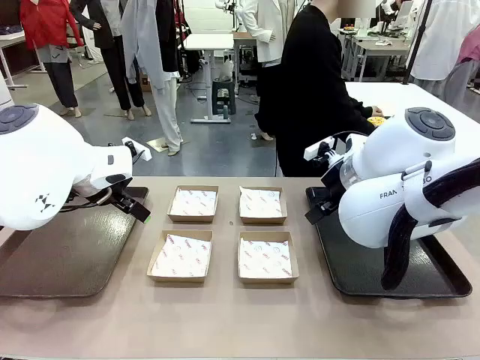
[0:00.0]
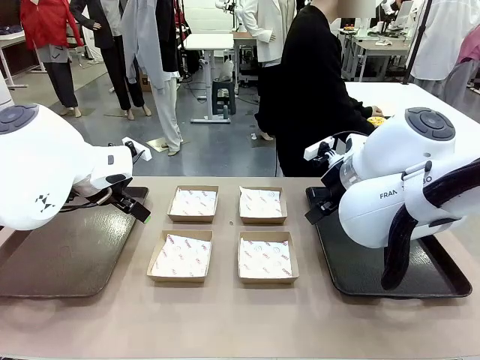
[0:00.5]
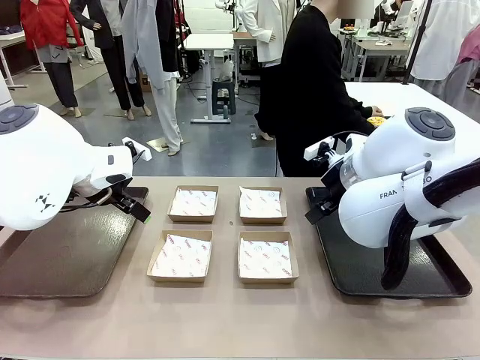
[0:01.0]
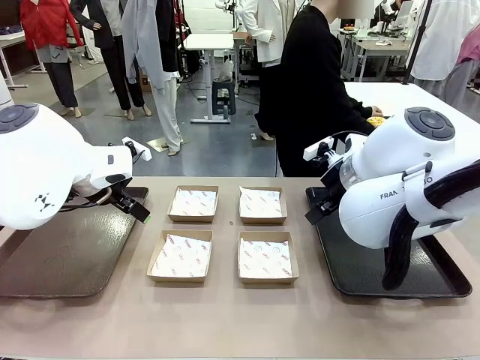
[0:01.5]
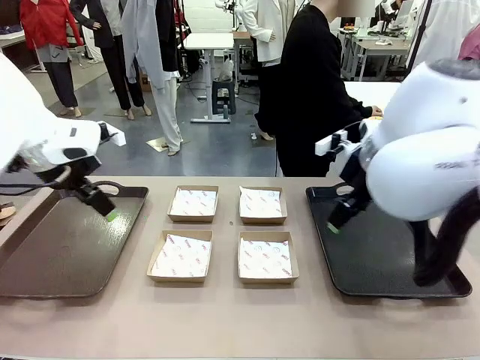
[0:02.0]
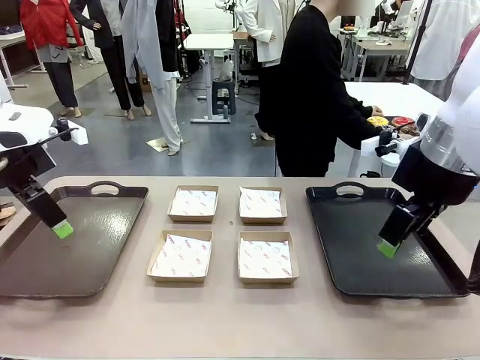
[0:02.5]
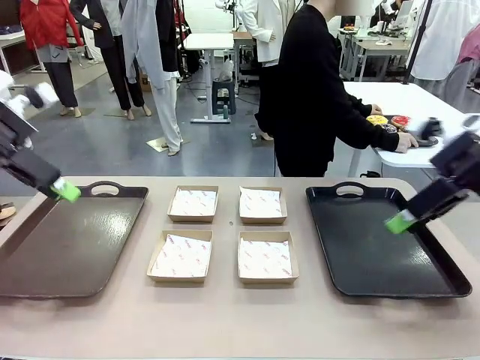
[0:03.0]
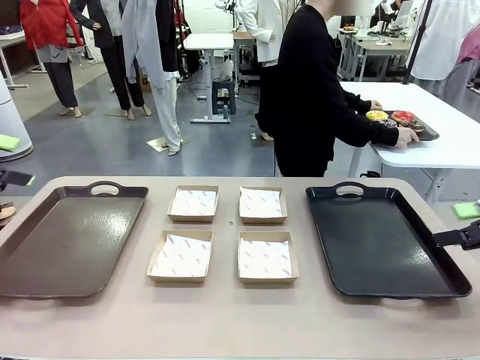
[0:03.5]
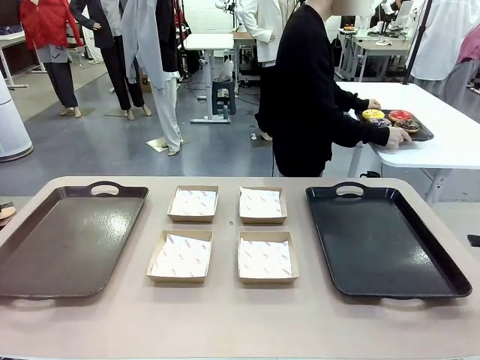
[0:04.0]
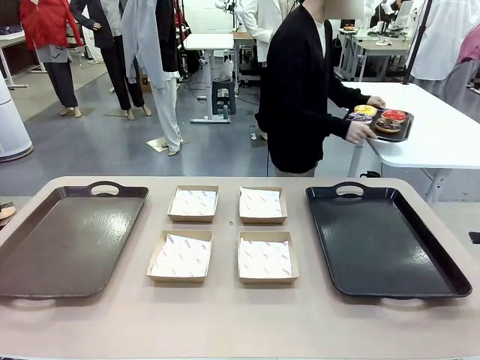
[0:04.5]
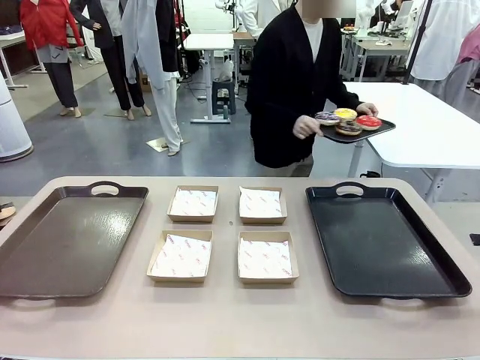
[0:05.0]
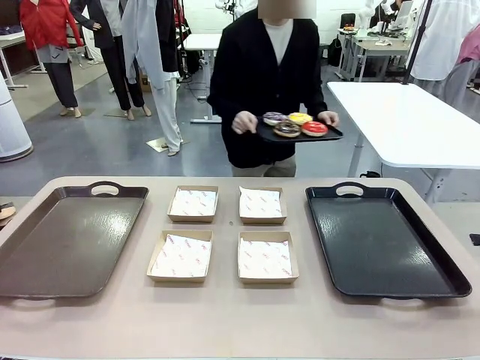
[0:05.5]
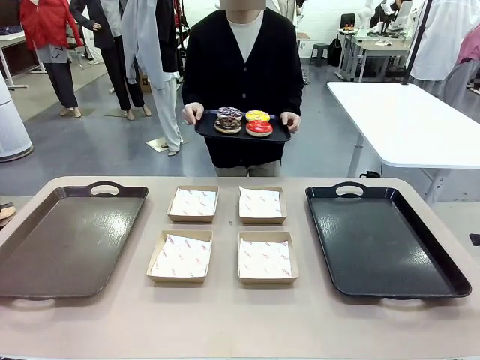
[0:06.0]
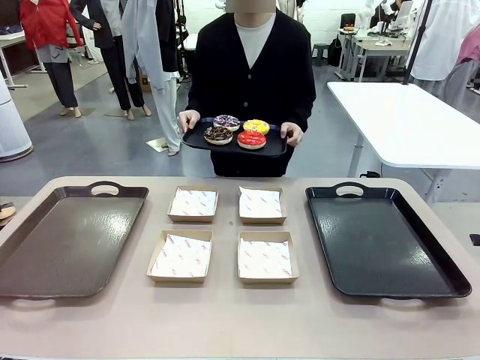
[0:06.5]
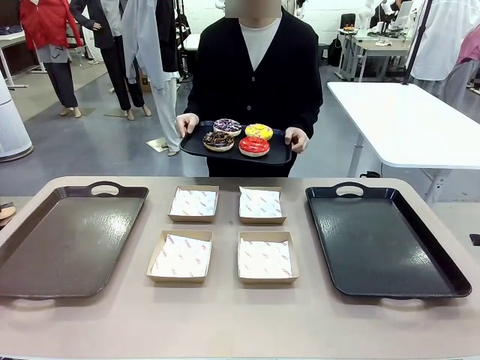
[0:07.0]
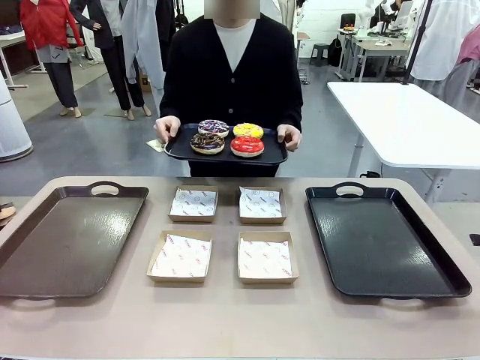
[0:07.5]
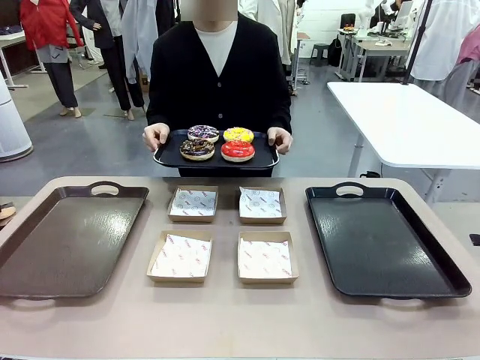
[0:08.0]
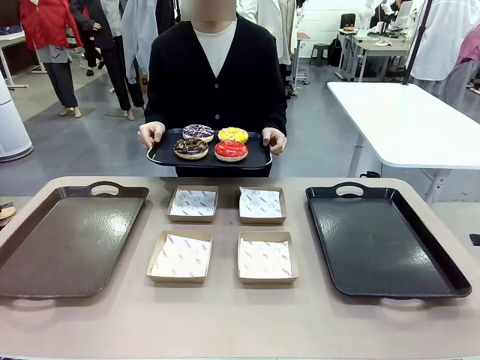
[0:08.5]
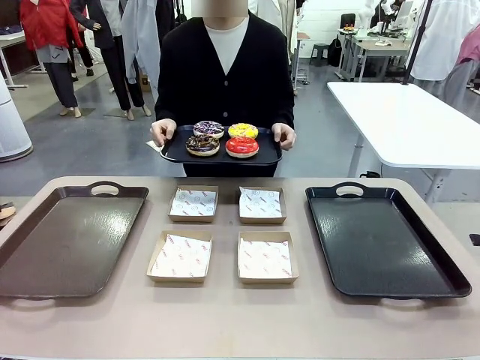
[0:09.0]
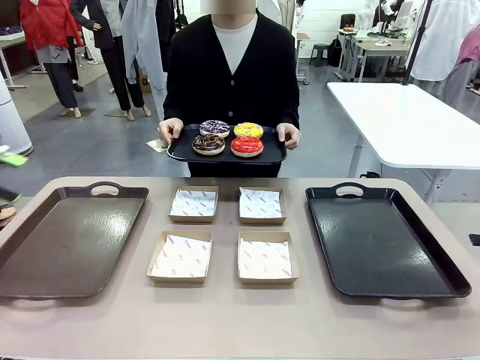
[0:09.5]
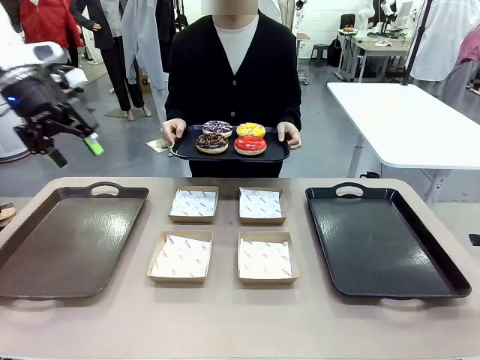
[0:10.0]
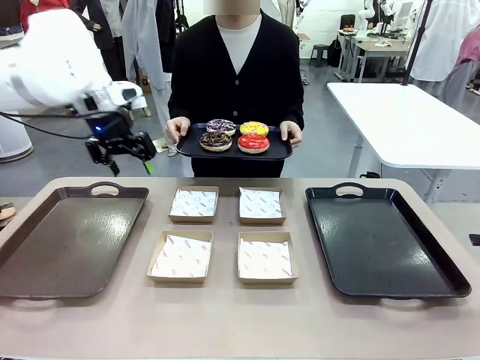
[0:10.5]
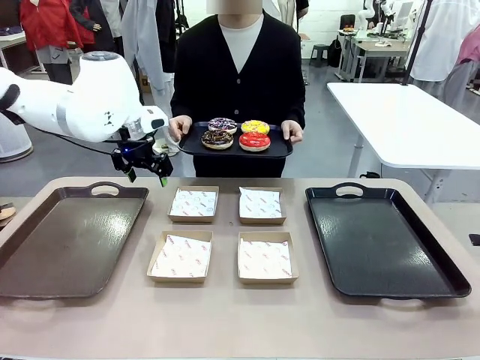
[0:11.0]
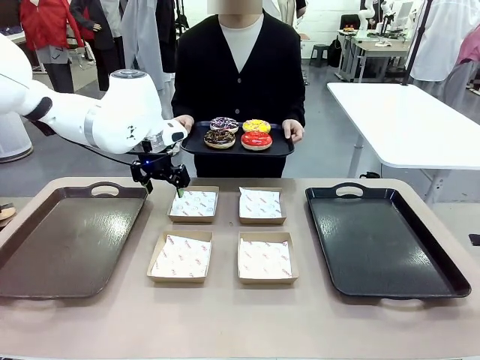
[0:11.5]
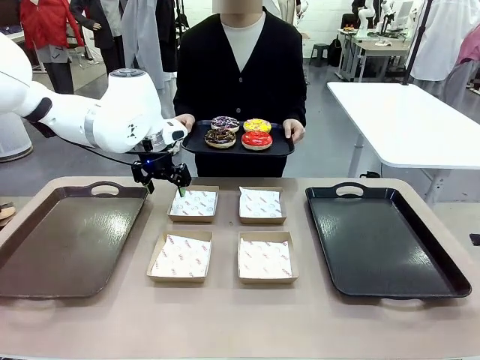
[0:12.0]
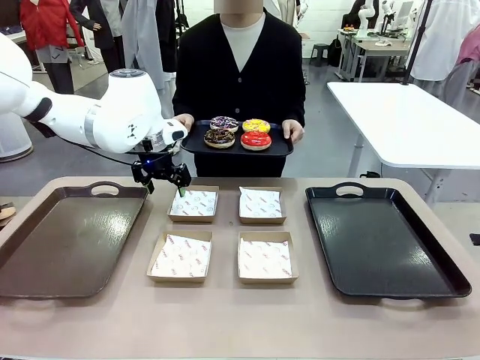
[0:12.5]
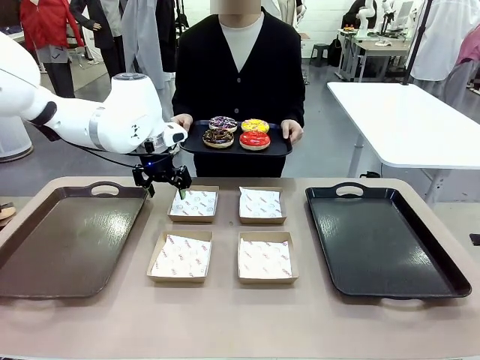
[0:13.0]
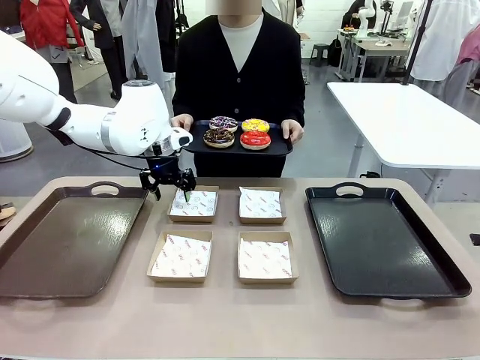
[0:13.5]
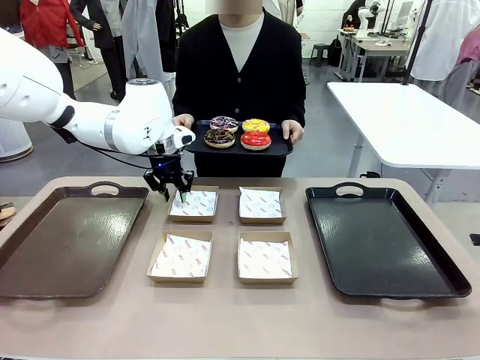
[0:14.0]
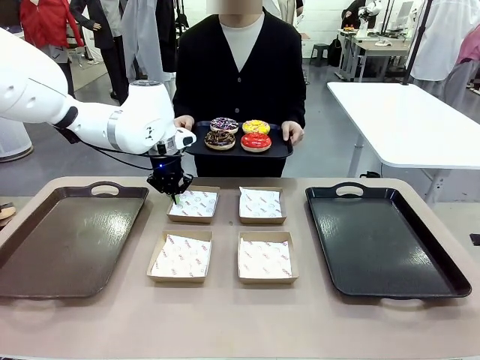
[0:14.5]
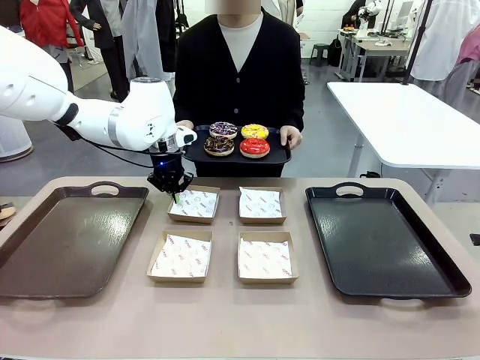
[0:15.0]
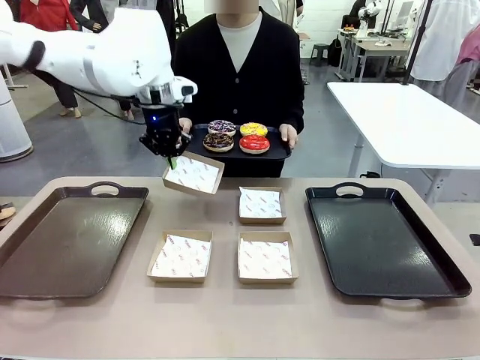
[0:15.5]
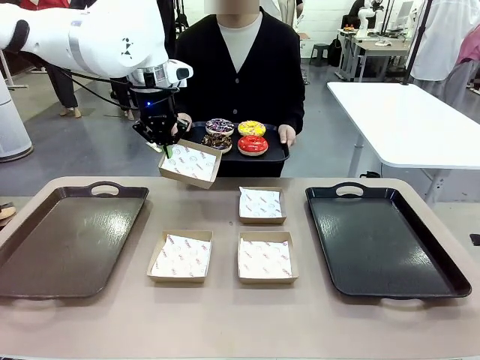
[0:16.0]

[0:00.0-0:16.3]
Task: Individually package the donuts and arrange them on the tray.
Robot: Pick up one Paper togo box.
Person: Stand in front of the robot table holding the tray containing the donuts.

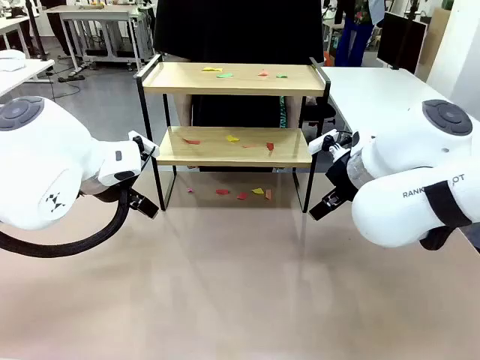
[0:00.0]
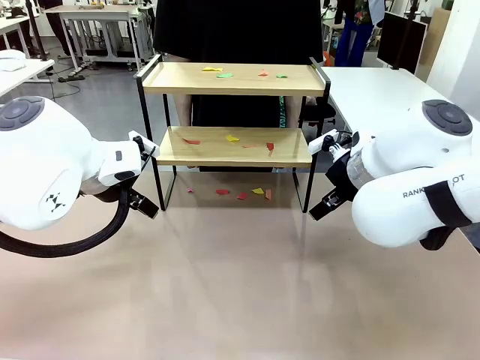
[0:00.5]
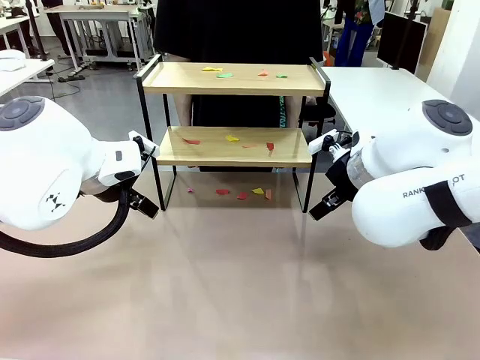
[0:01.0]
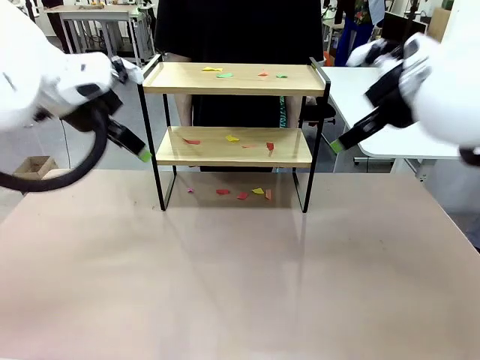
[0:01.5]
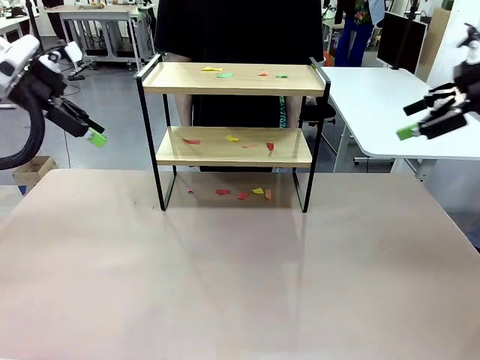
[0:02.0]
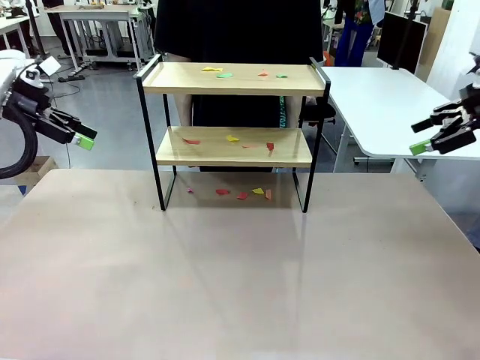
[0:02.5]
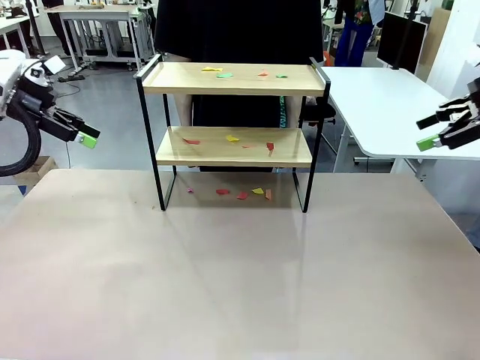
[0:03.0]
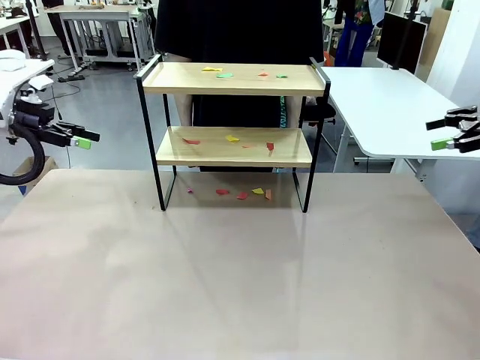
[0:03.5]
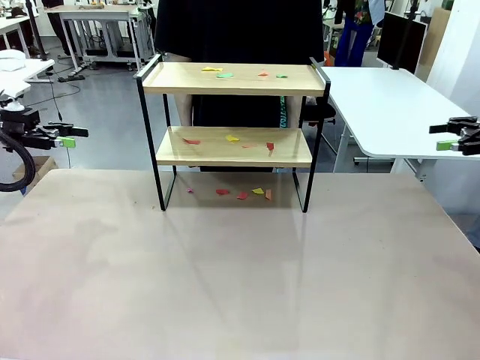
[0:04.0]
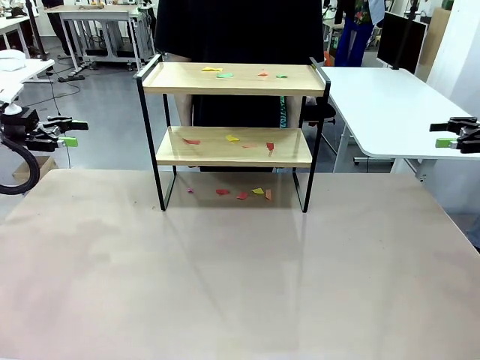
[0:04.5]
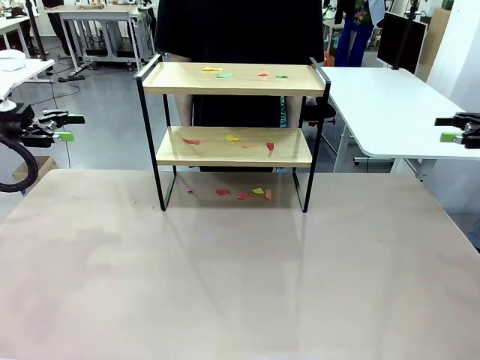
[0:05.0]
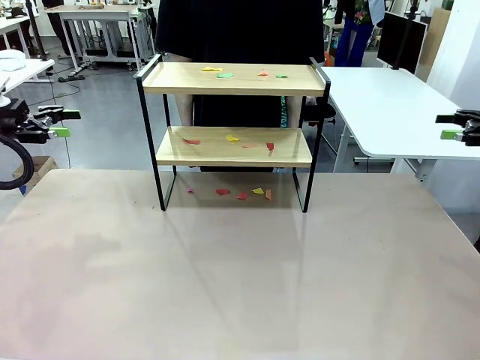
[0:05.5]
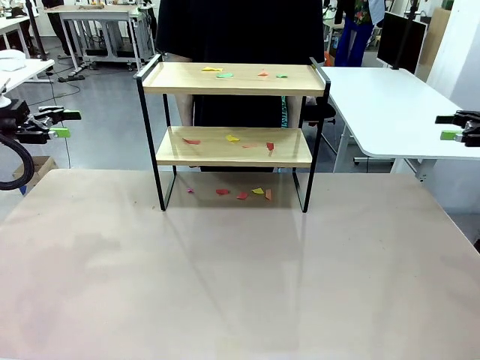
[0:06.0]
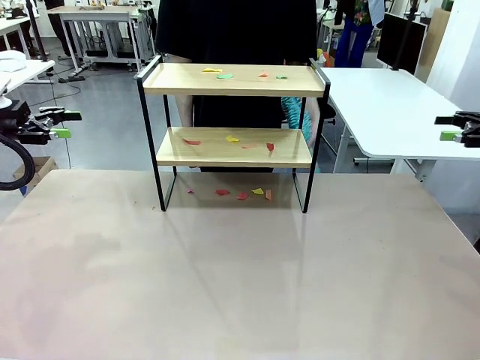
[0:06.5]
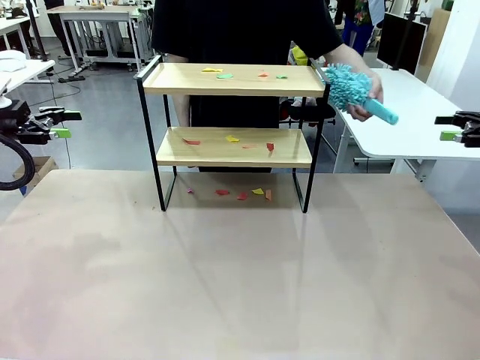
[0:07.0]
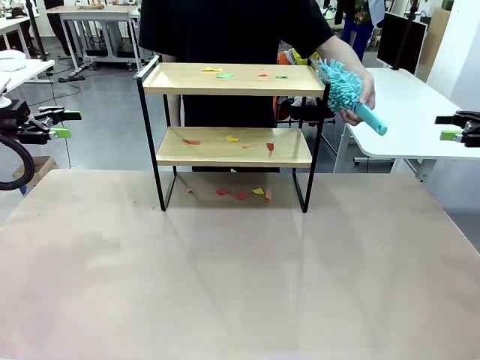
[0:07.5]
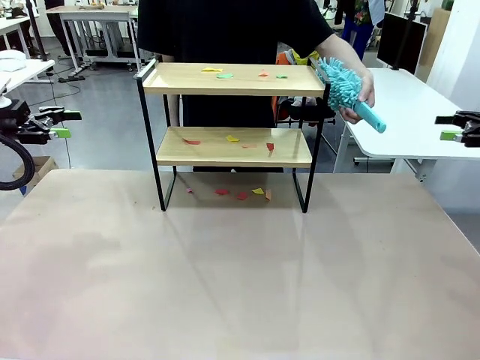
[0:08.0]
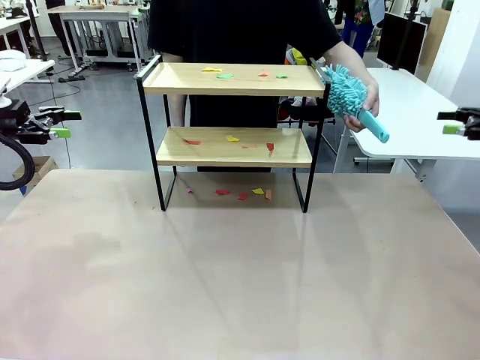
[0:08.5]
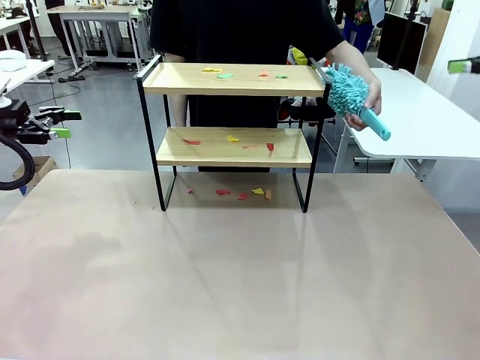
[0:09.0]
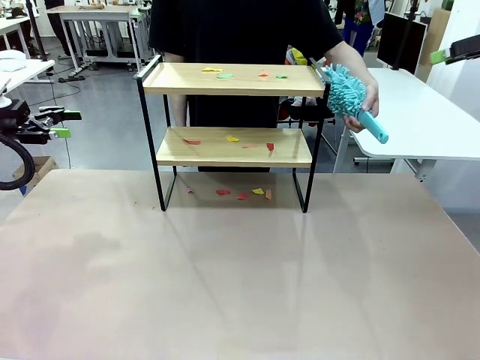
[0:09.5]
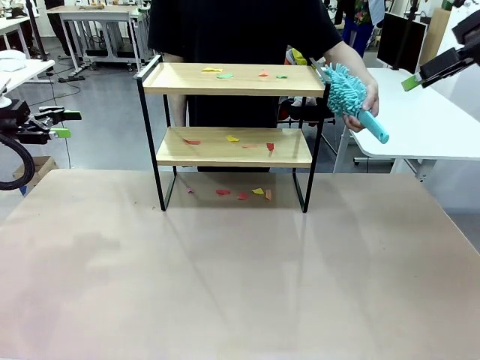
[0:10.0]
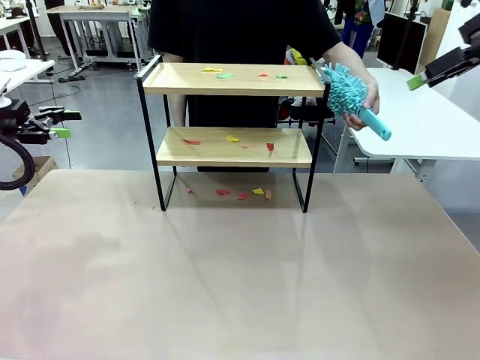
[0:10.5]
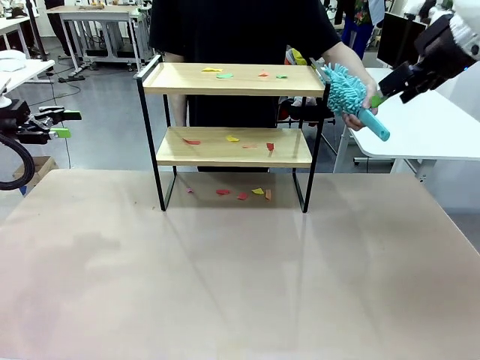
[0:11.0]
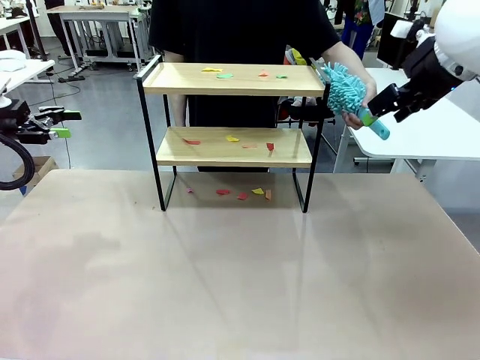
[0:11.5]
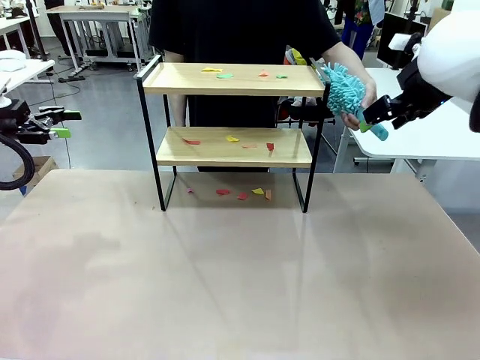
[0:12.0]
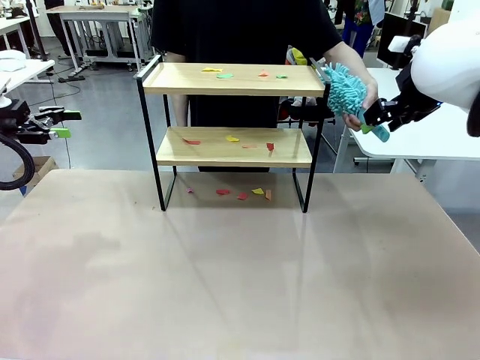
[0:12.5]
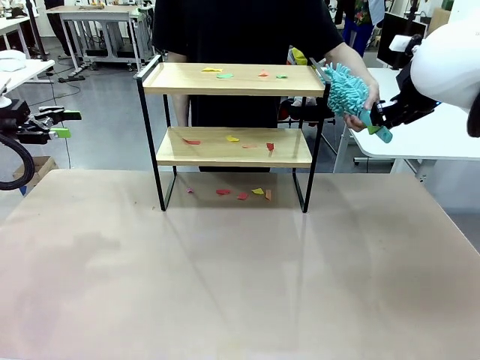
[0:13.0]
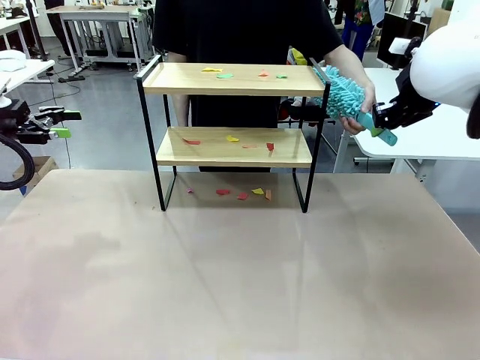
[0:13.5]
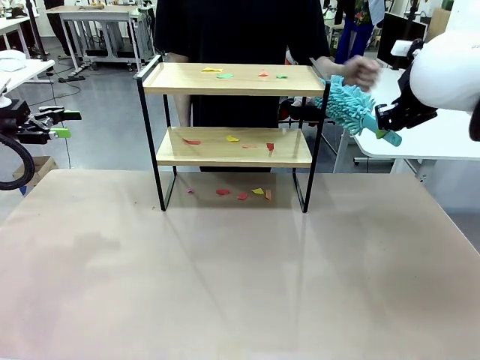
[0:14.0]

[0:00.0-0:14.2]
Task: Clean the shelf.
Robot: Pick up the Duster handed by the human.
Person: Hand the Duster to the robot.
